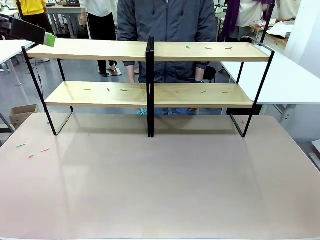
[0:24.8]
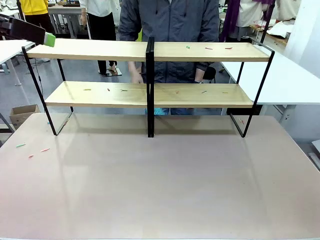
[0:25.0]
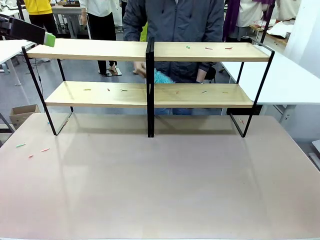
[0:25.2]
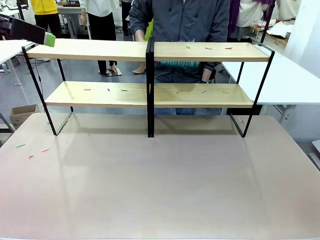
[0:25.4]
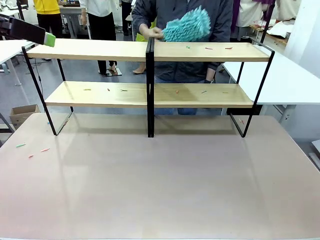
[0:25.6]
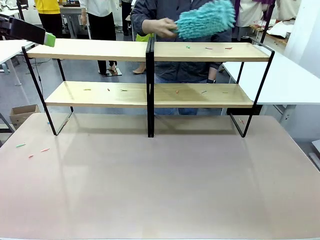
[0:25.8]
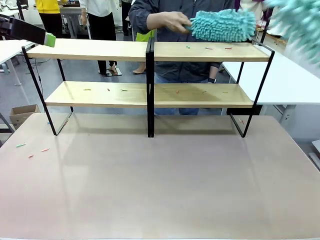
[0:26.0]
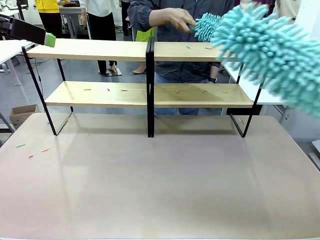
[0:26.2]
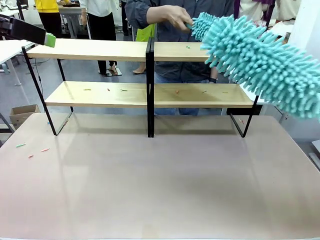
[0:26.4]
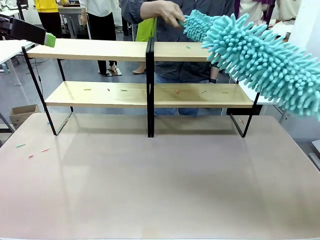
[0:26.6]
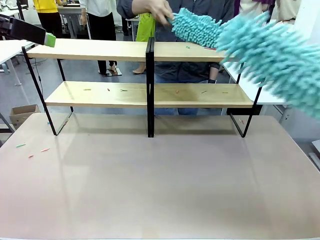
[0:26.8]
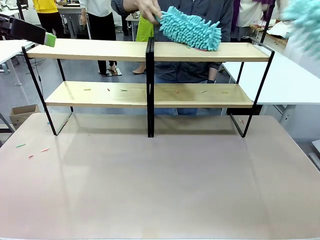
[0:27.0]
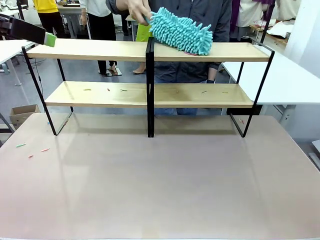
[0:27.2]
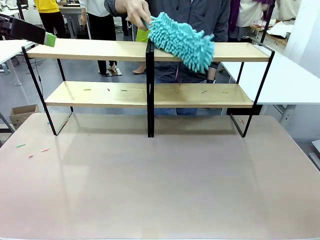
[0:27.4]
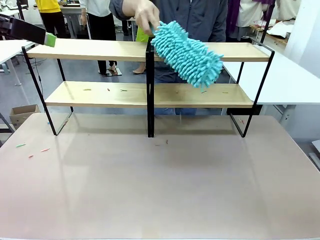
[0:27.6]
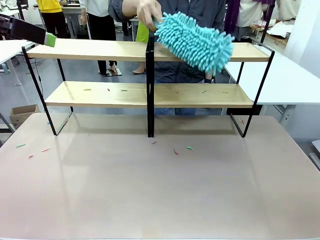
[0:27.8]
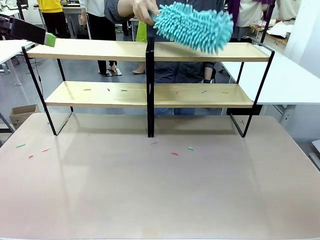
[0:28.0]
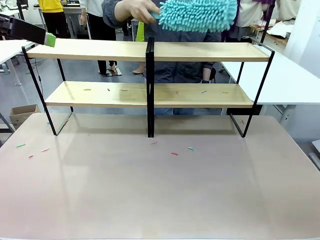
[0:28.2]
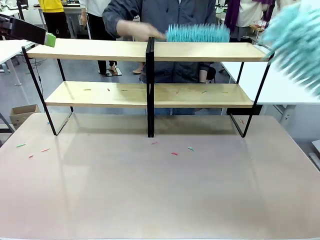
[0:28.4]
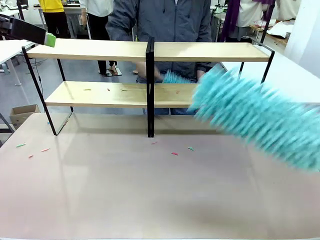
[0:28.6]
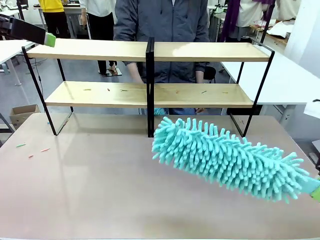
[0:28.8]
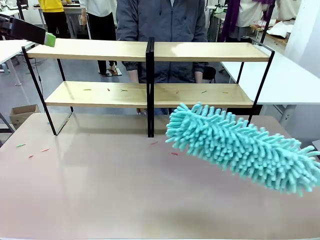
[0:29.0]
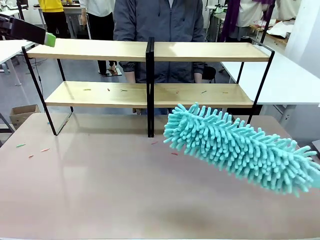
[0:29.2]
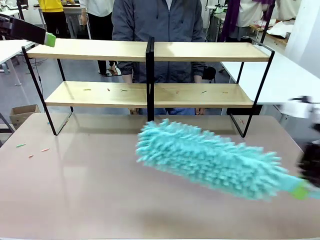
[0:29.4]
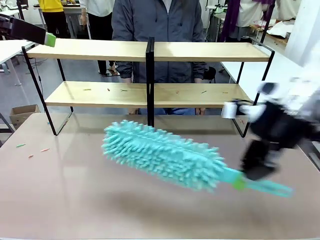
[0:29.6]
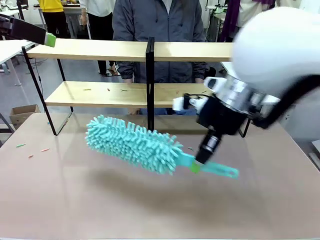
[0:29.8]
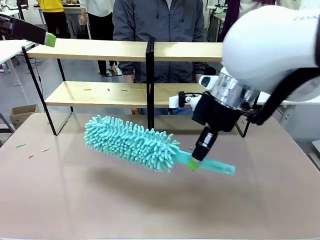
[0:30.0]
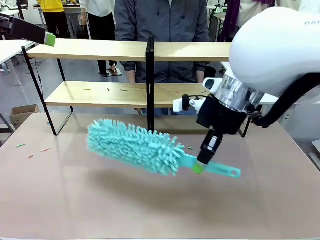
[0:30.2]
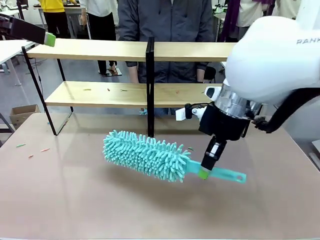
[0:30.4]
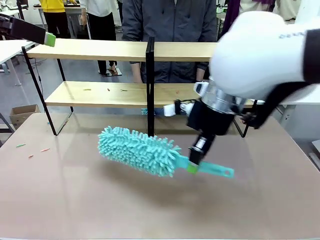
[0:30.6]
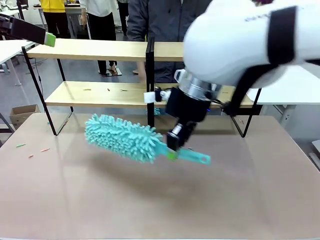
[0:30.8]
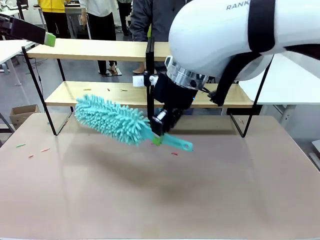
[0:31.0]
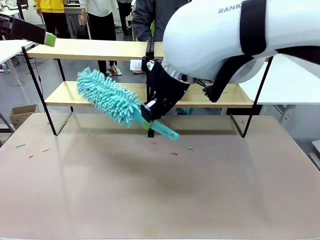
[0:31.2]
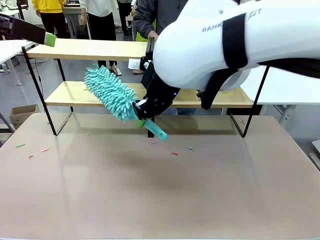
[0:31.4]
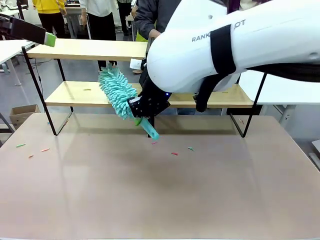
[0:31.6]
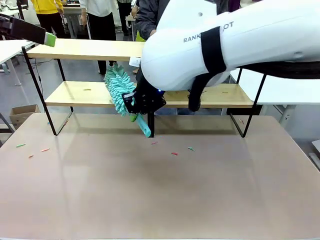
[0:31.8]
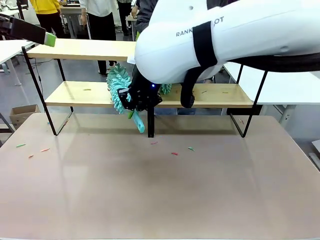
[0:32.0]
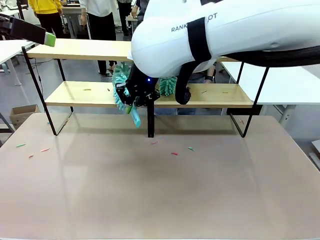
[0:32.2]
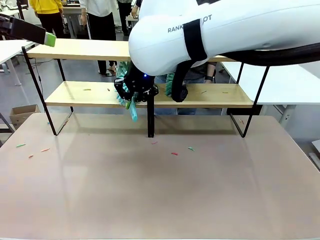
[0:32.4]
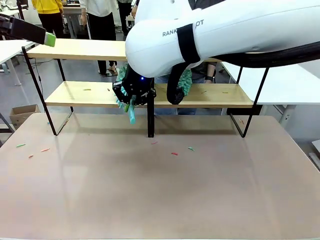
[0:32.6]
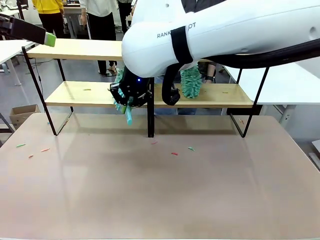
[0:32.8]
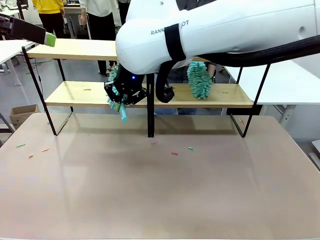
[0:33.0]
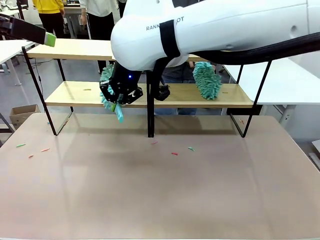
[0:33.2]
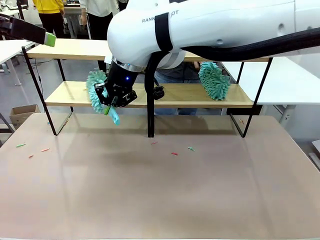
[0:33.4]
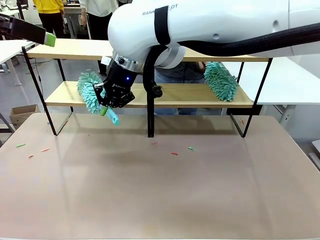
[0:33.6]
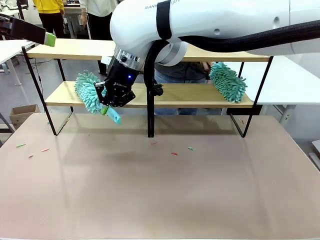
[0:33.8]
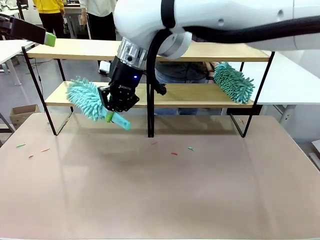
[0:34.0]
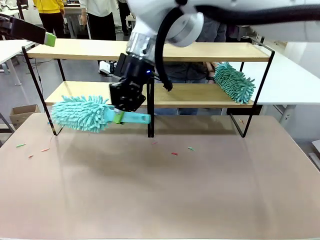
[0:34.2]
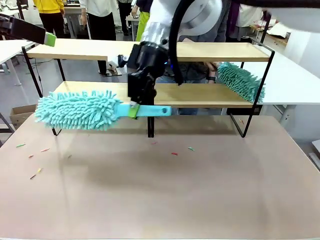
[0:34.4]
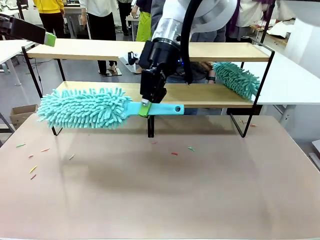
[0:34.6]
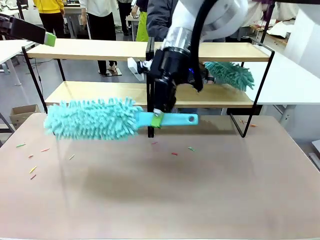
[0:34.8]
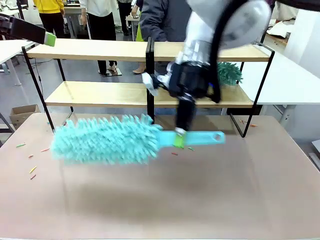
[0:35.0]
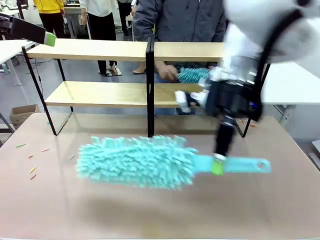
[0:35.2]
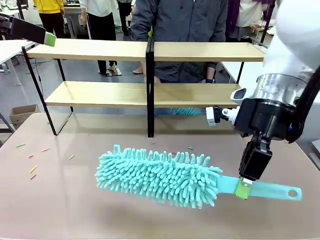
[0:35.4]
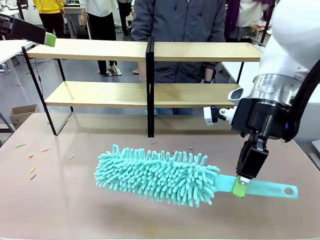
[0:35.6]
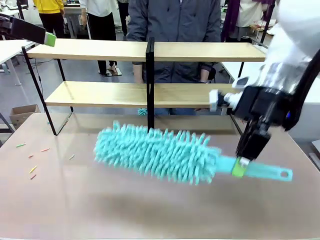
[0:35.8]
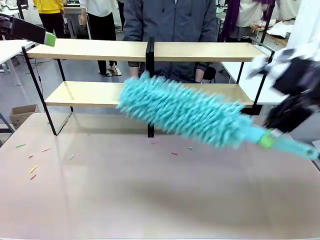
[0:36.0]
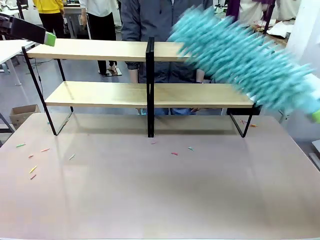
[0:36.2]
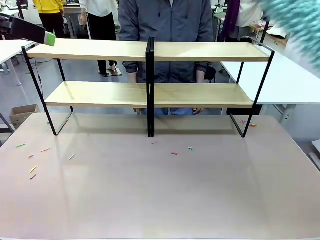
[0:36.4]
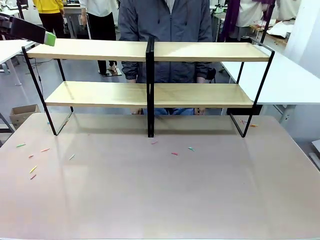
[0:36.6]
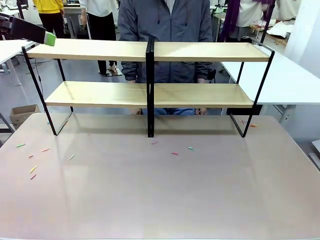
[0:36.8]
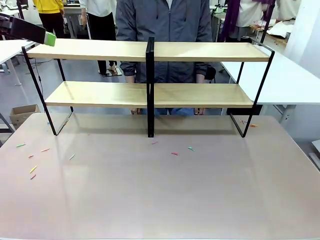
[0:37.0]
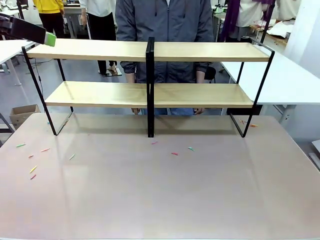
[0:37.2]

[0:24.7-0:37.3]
Task: Clean the shelves.
Robot: Clean another randomly selected level of the Shelf with the Duster.

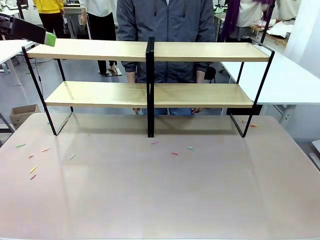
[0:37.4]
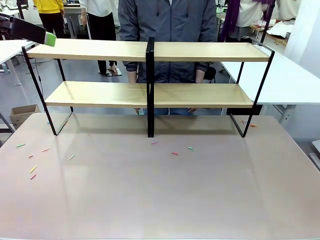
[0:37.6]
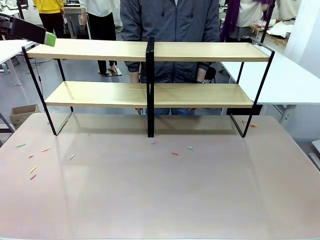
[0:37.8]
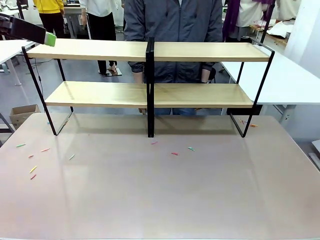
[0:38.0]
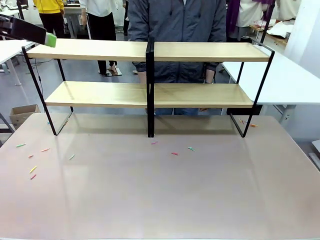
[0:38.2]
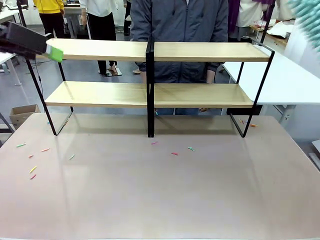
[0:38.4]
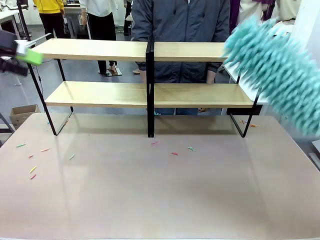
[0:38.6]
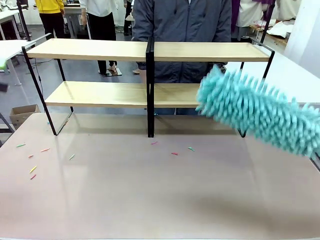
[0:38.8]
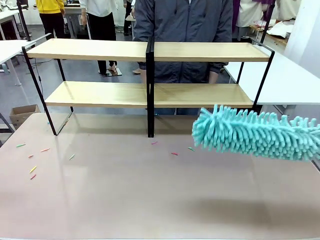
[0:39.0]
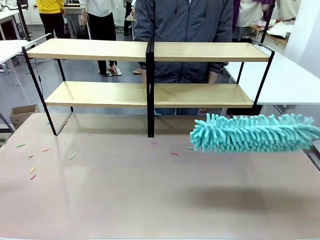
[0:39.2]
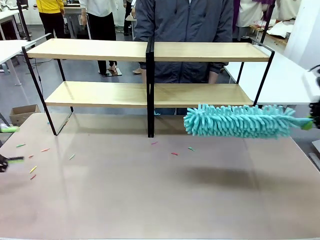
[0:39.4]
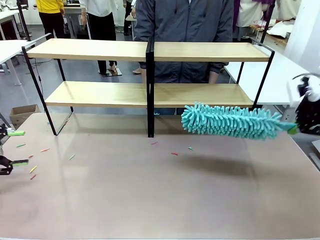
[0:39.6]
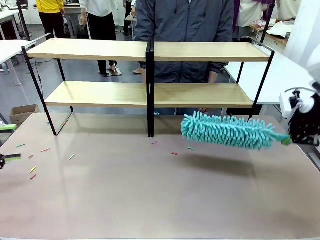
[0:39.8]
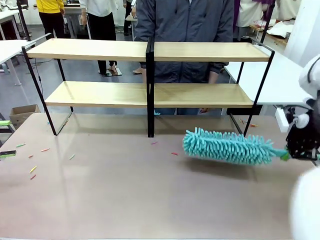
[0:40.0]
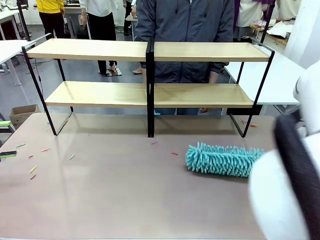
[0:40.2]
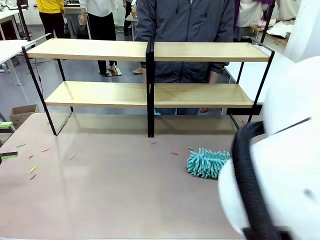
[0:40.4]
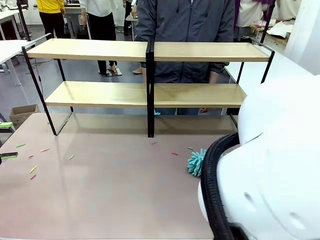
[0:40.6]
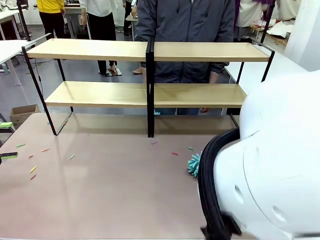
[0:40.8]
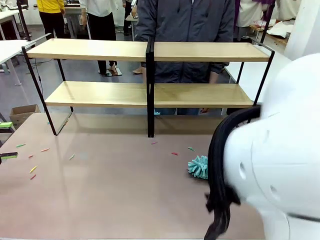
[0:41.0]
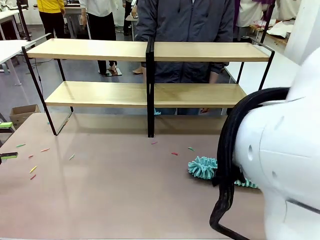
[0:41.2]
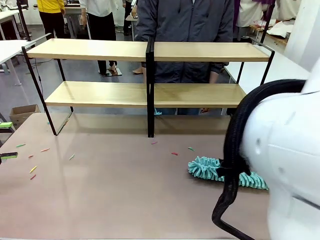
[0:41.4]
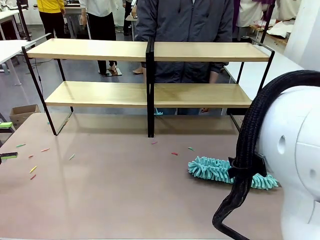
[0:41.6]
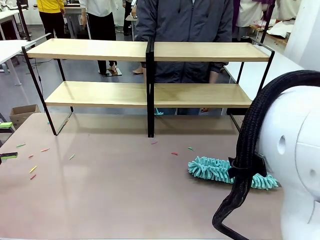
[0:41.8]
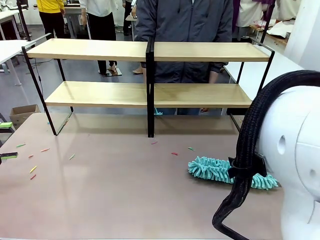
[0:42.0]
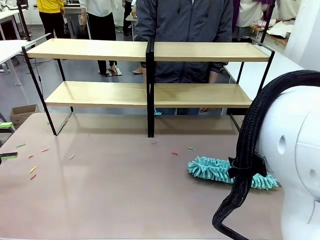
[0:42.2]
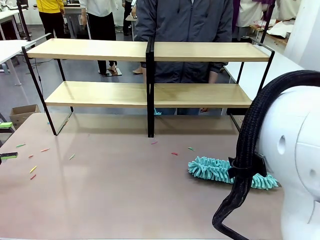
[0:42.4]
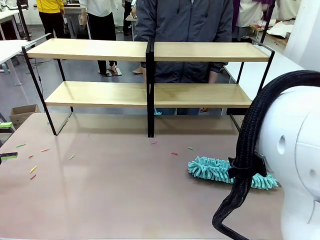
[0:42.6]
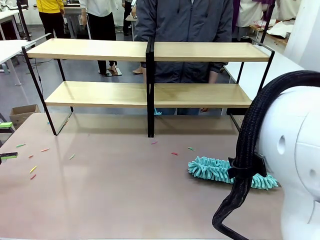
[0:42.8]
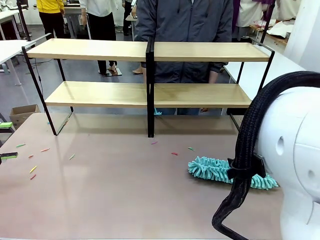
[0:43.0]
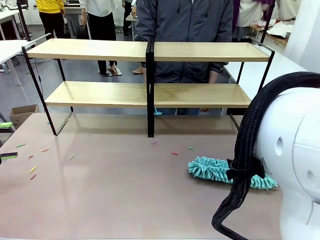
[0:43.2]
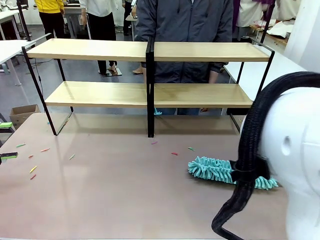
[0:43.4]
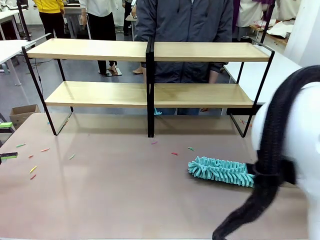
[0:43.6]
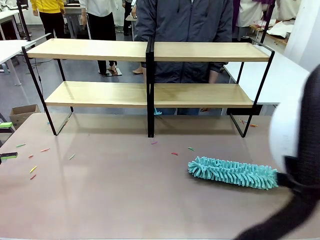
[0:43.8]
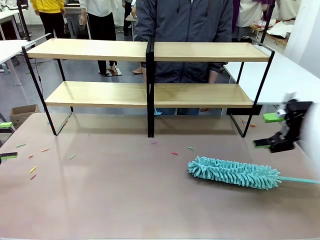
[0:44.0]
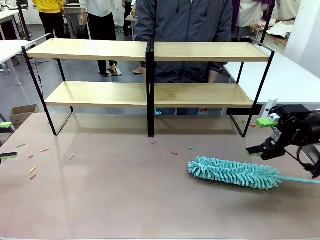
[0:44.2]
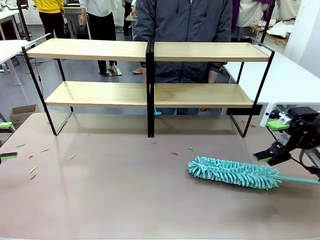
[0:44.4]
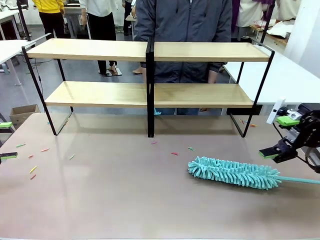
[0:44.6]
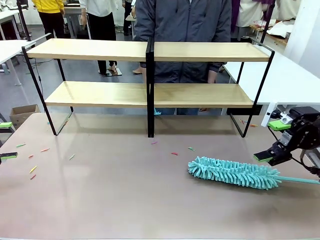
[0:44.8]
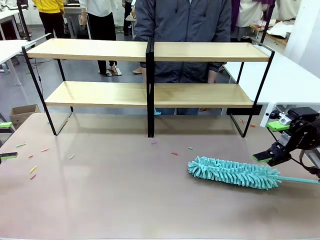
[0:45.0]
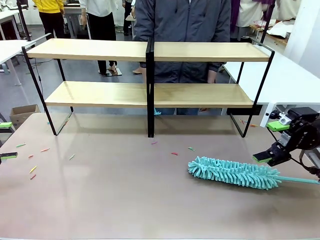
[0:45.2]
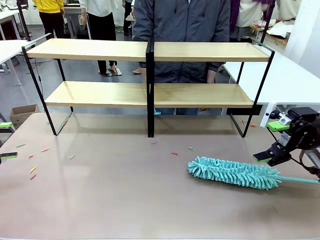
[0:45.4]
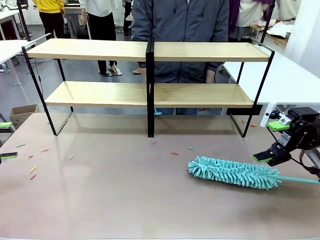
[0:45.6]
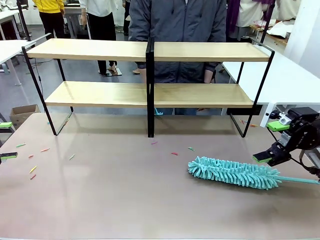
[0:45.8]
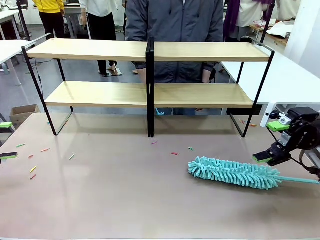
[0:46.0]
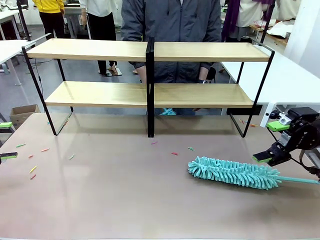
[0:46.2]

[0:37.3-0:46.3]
Robot: Place the Duster on the table.
